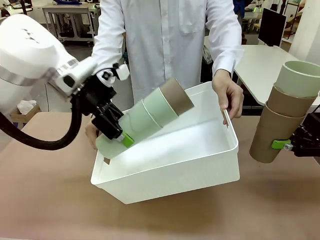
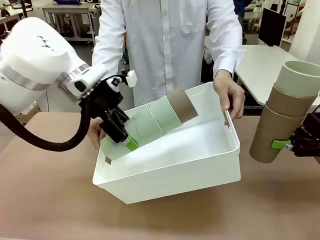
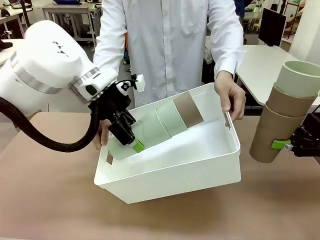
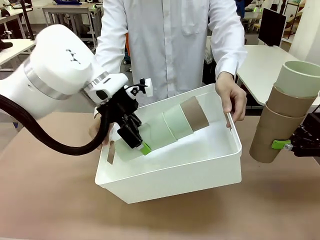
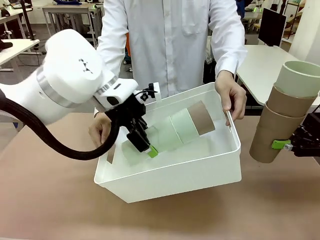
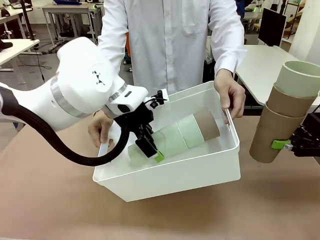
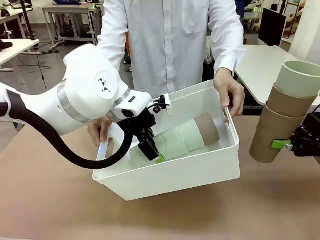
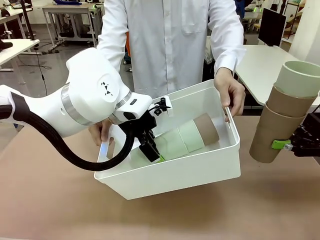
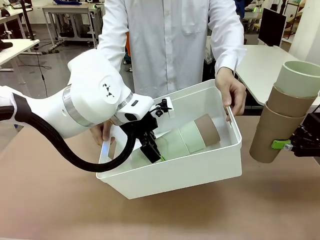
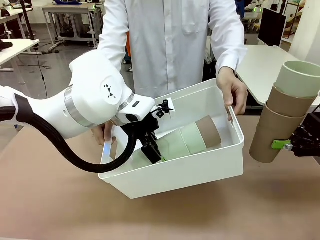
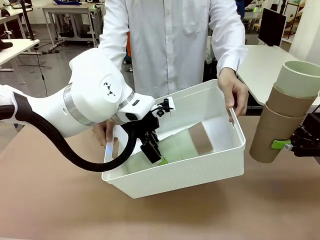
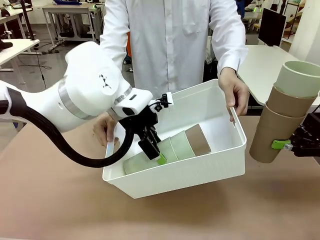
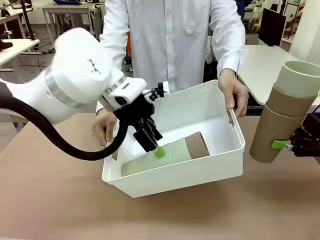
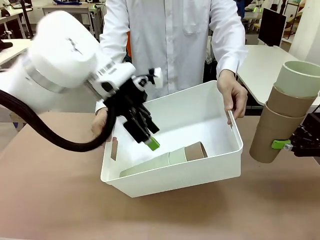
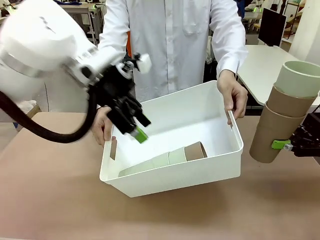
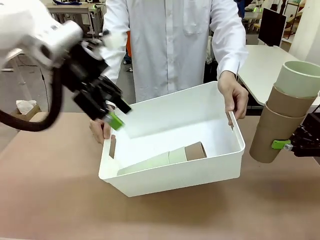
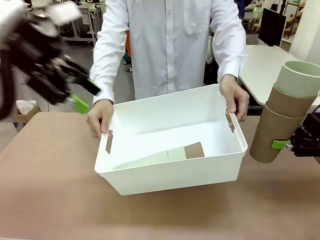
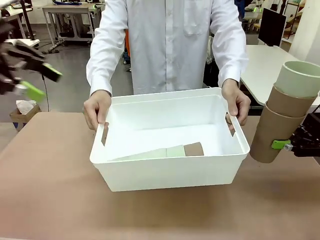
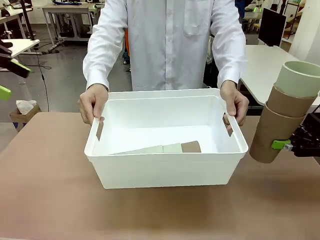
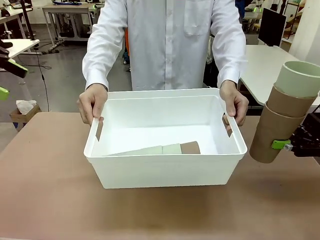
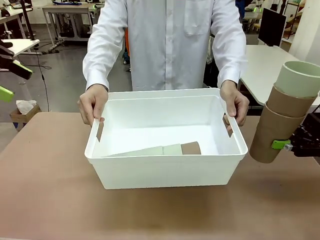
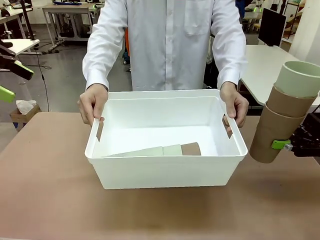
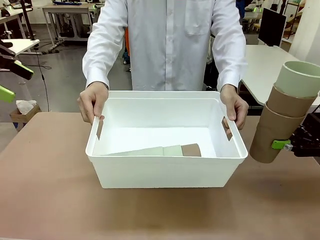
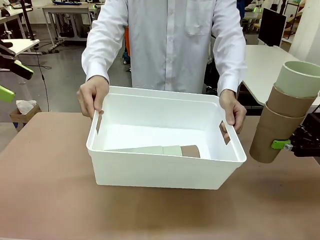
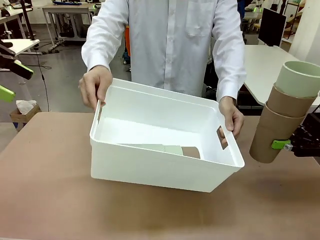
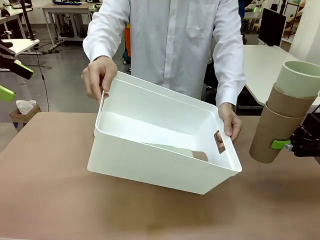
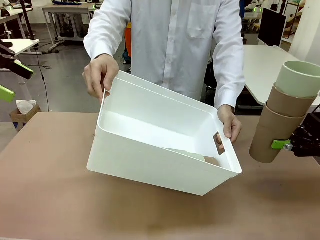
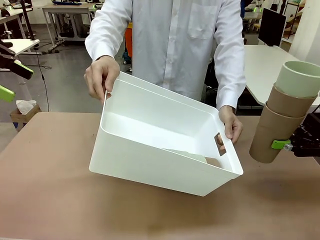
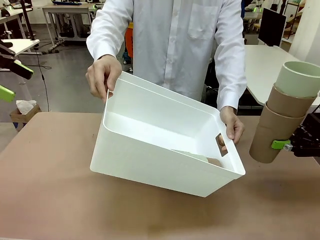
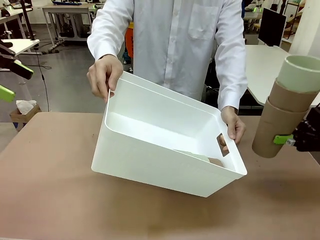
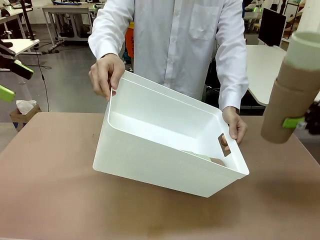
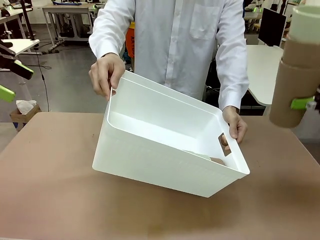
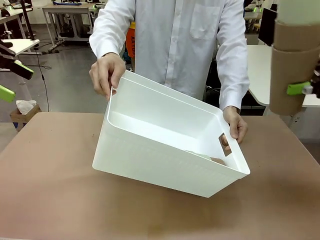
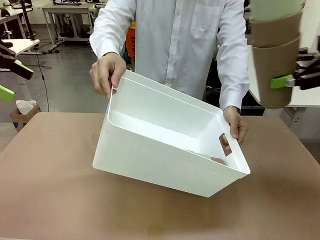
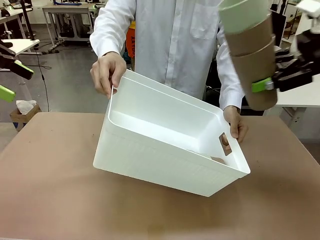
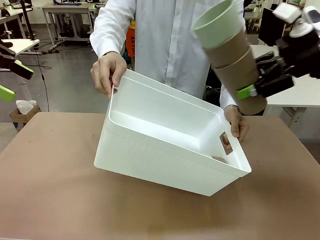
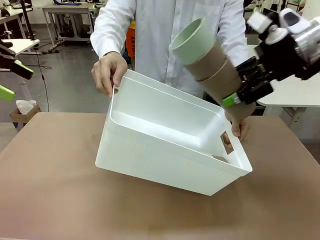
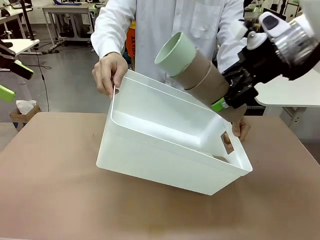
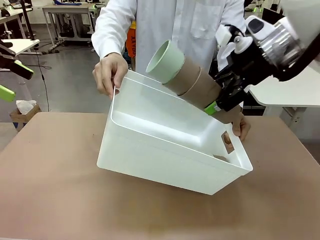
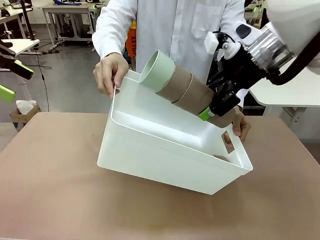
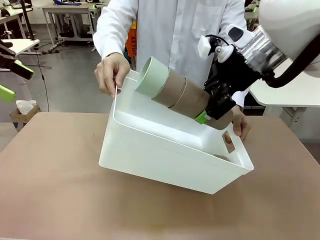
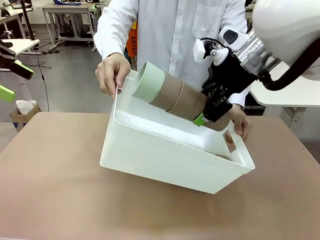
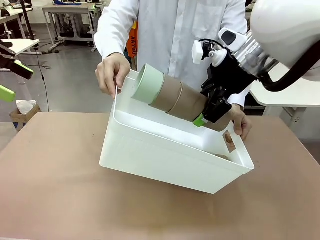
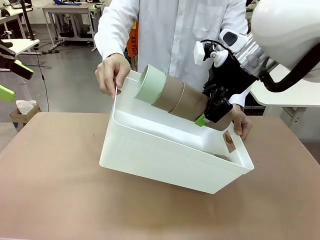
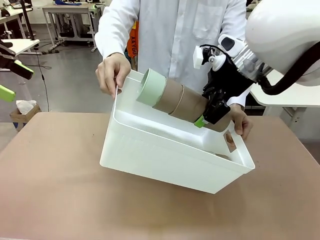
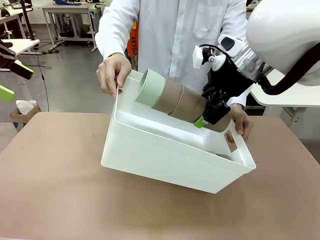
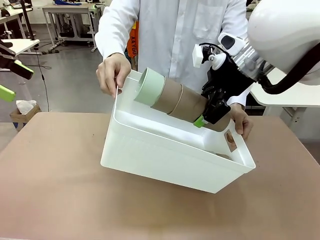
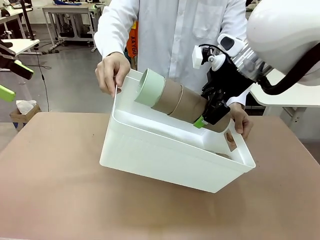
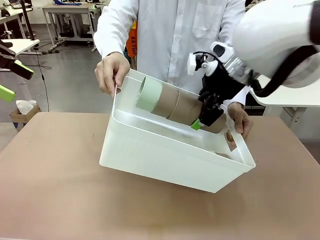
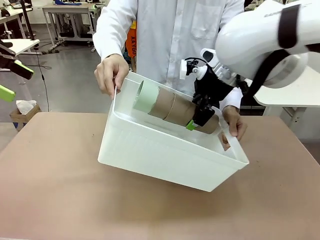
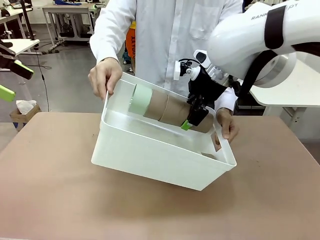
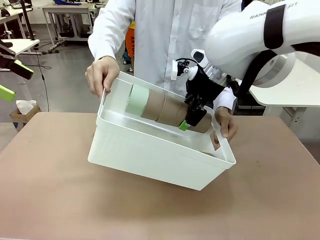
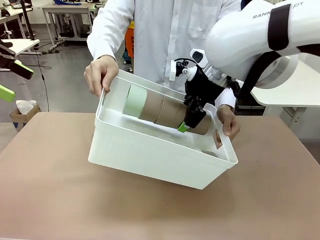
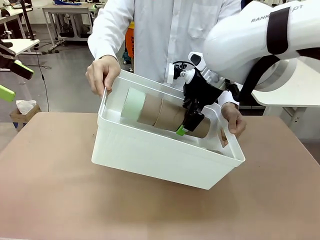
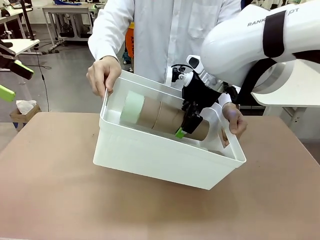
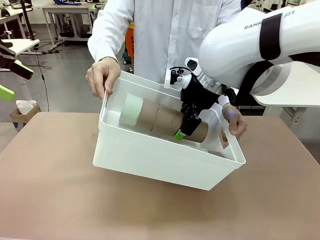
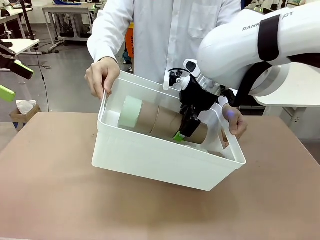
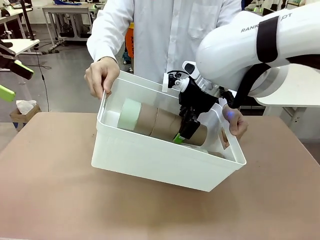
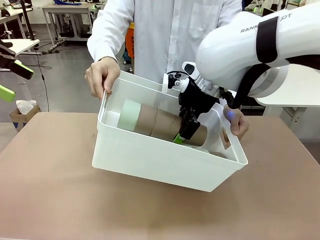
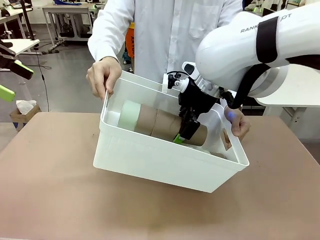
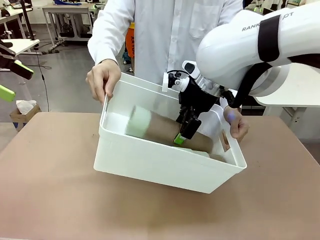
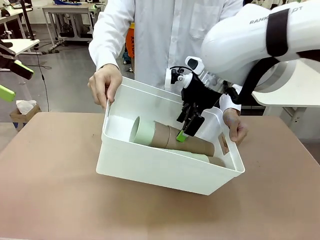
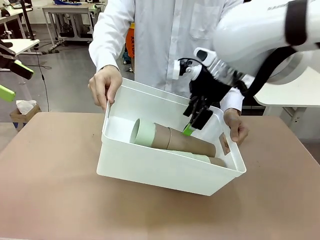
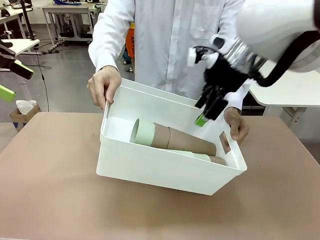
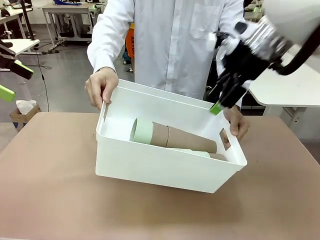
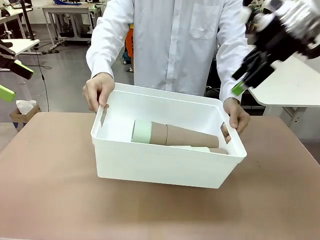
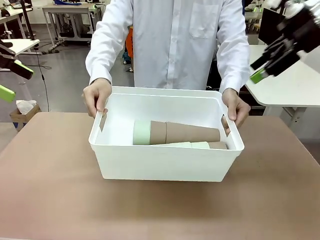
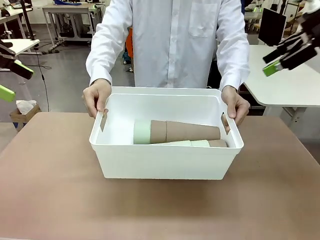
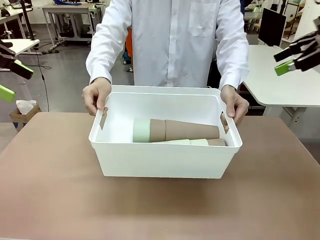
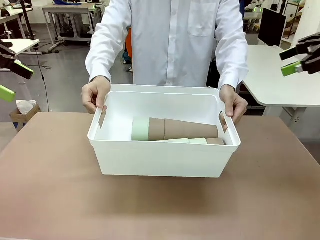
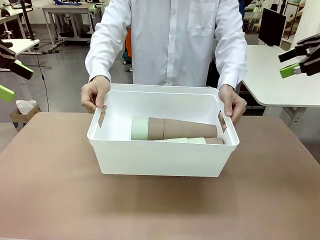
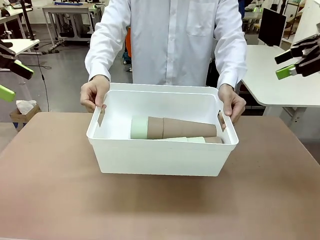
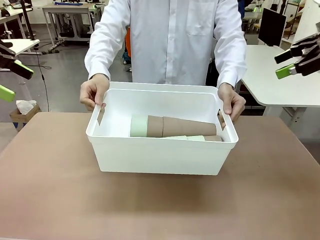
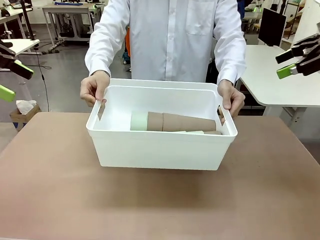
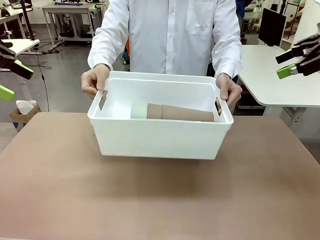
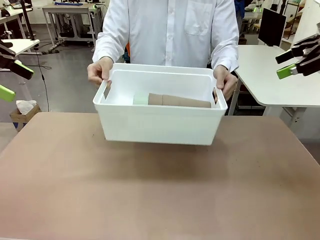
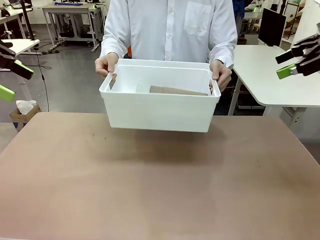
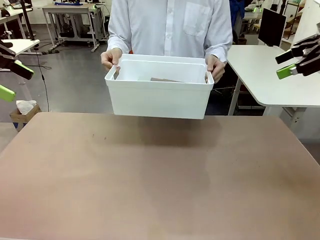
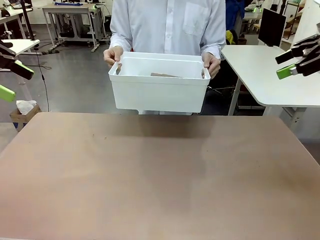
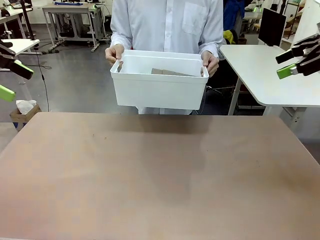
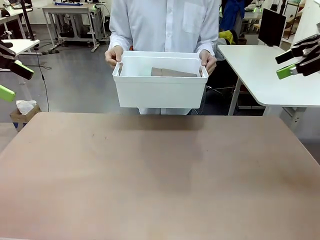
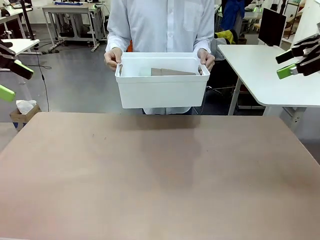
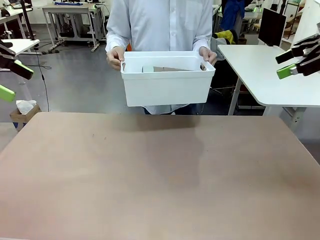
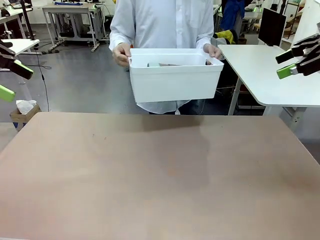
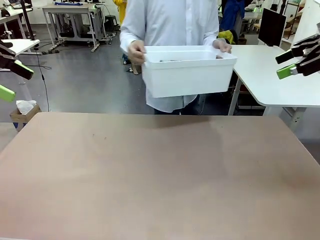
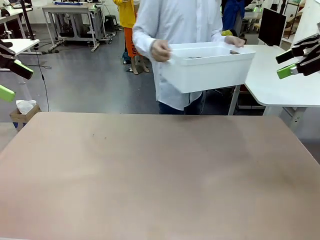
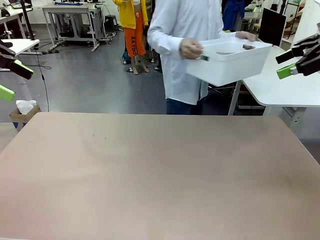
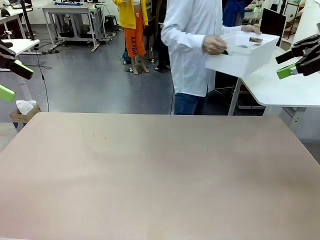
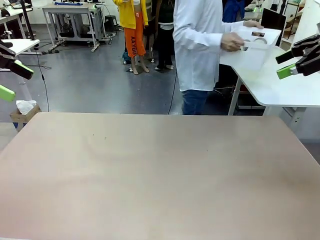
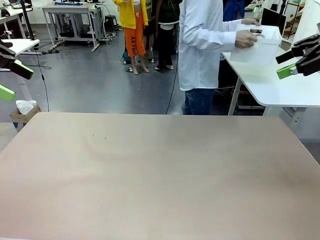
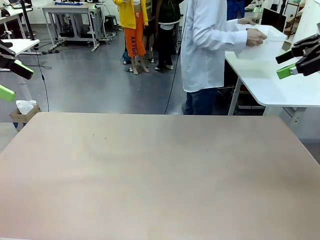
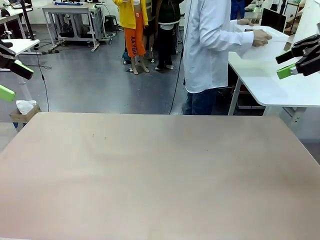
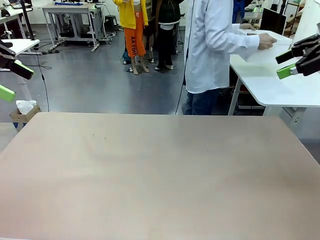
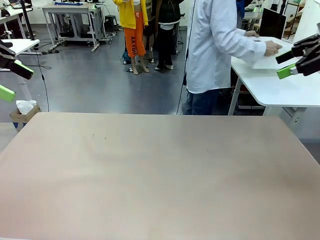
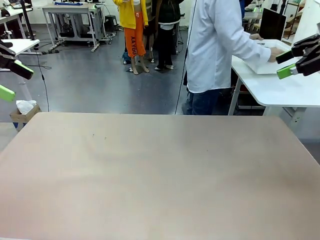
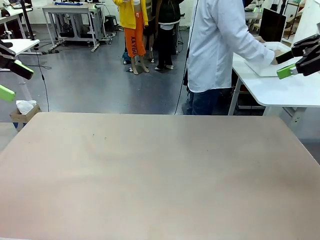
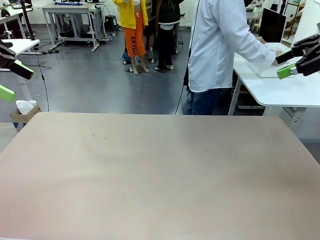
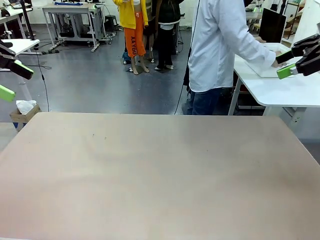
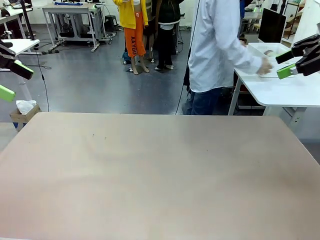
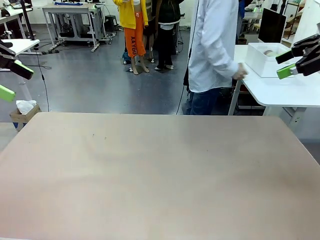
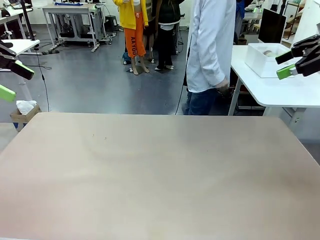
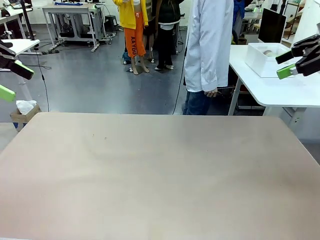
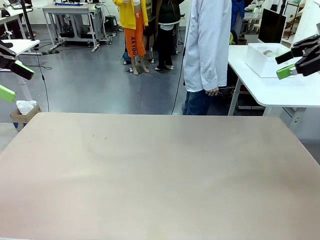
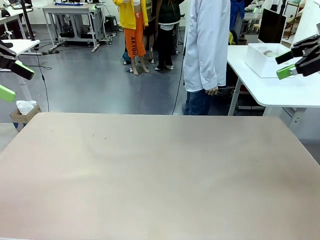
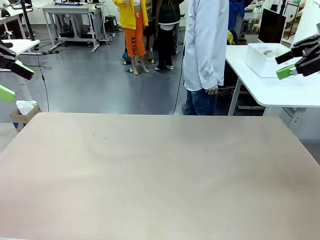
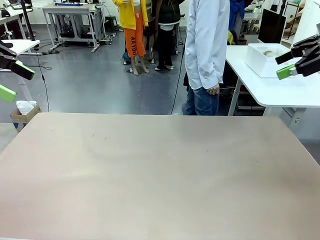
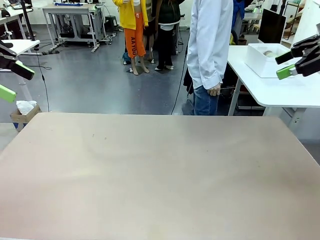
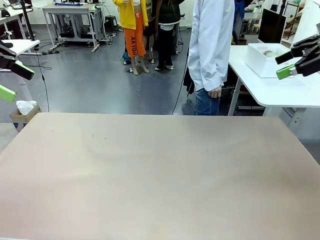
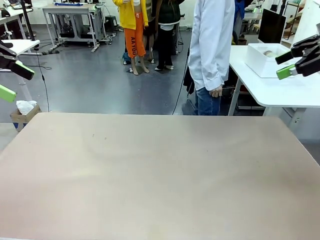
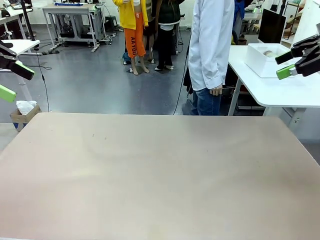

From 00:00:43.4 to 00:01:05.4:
Task: Stack the cups and store them in the basket.
Robot: Place the stack of Reusable plastic cups into the Pantry Basket.
Person: Place the basket containing the cups in the middle of the Human Table.
